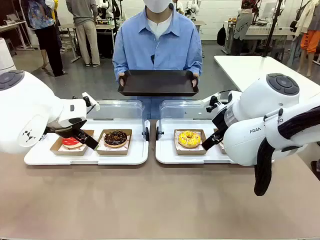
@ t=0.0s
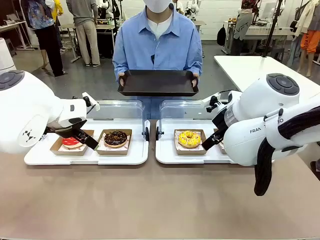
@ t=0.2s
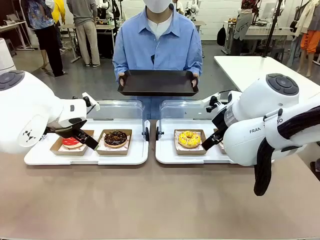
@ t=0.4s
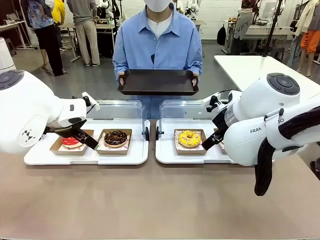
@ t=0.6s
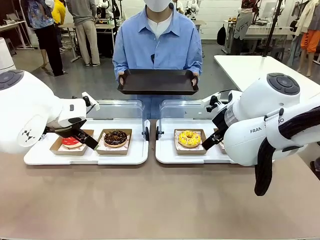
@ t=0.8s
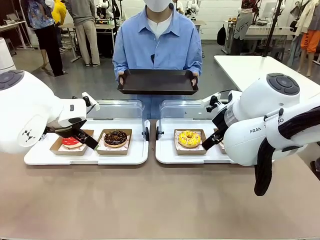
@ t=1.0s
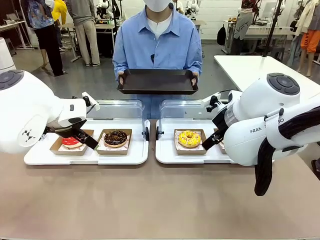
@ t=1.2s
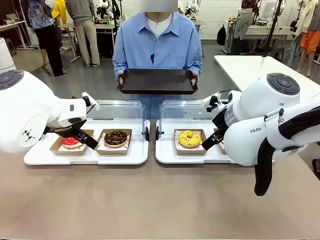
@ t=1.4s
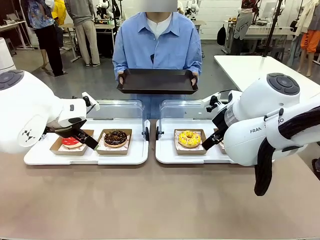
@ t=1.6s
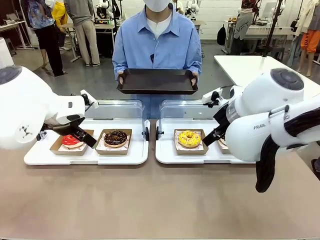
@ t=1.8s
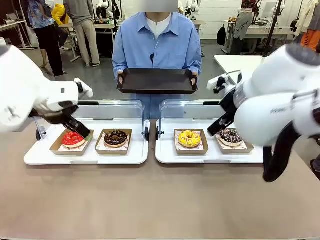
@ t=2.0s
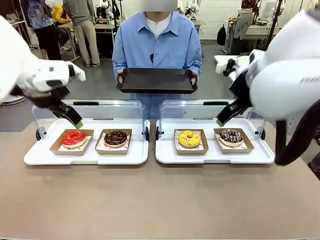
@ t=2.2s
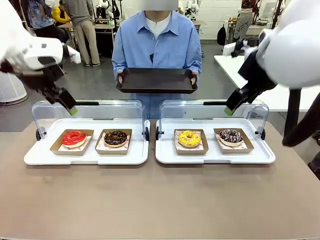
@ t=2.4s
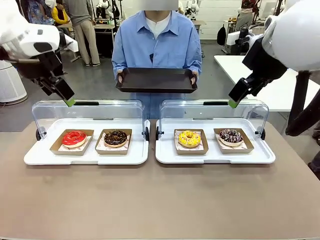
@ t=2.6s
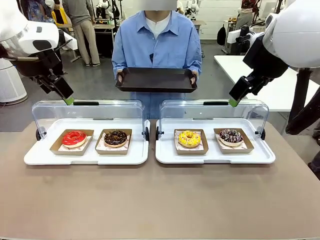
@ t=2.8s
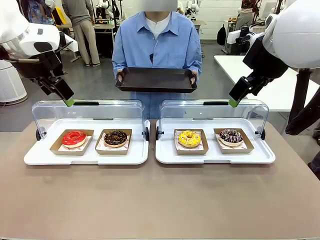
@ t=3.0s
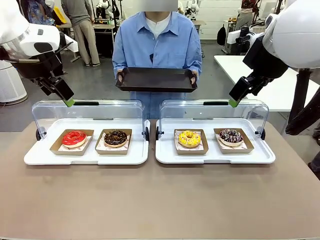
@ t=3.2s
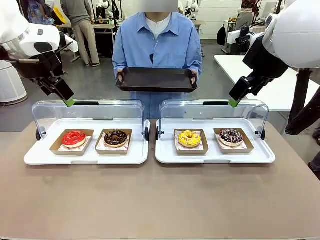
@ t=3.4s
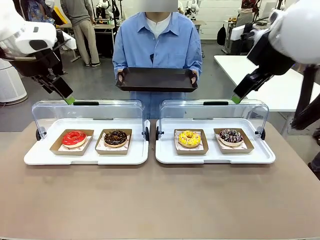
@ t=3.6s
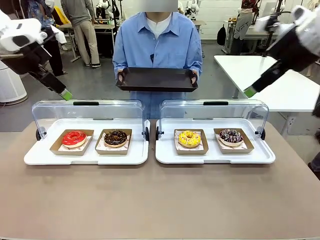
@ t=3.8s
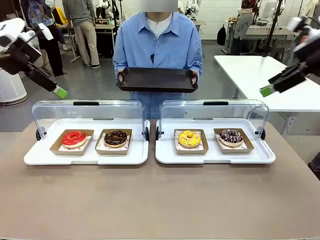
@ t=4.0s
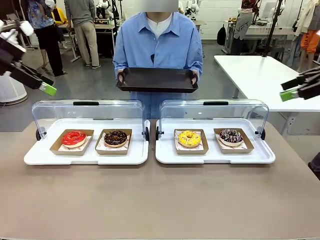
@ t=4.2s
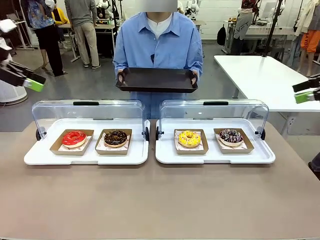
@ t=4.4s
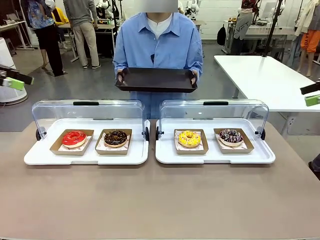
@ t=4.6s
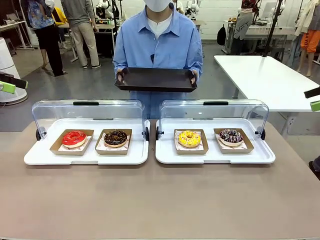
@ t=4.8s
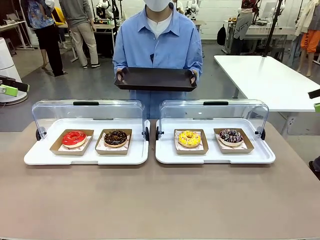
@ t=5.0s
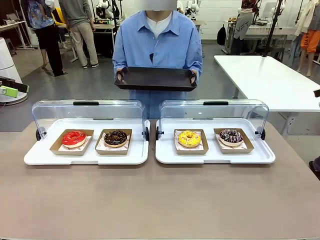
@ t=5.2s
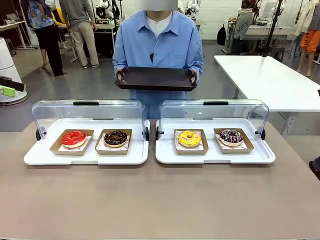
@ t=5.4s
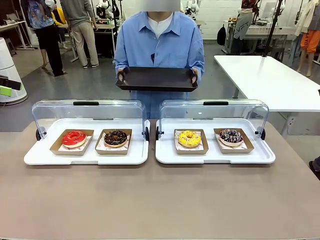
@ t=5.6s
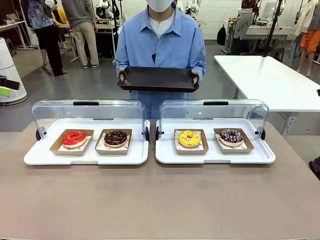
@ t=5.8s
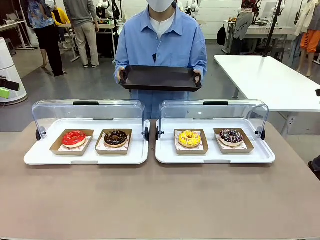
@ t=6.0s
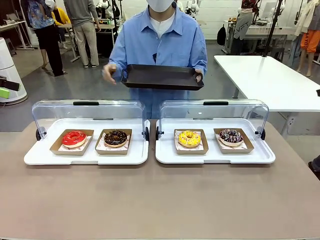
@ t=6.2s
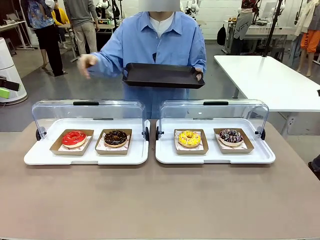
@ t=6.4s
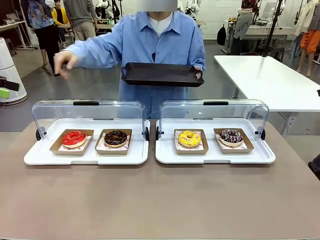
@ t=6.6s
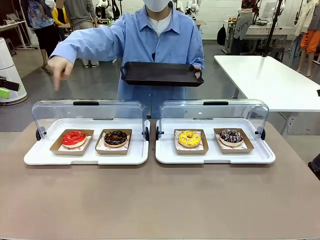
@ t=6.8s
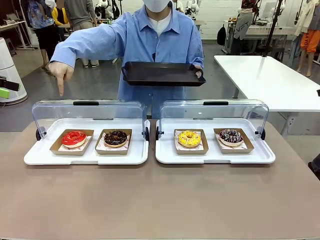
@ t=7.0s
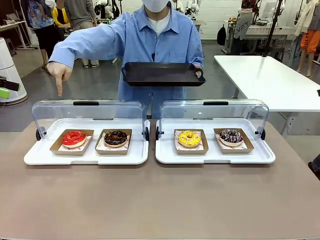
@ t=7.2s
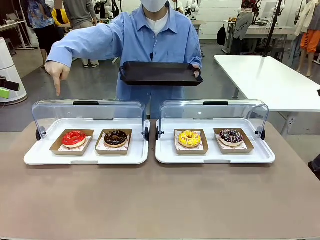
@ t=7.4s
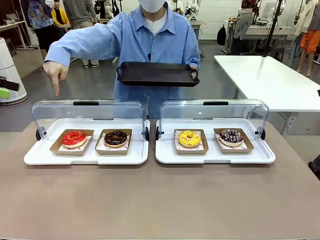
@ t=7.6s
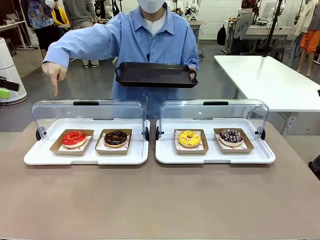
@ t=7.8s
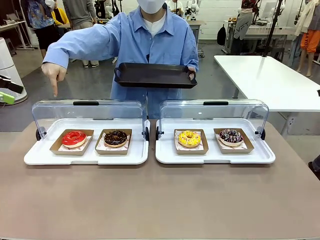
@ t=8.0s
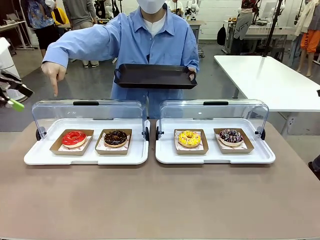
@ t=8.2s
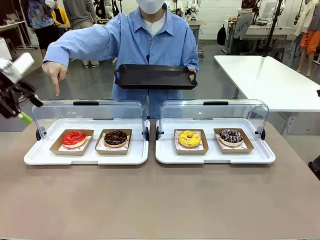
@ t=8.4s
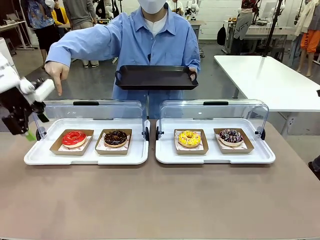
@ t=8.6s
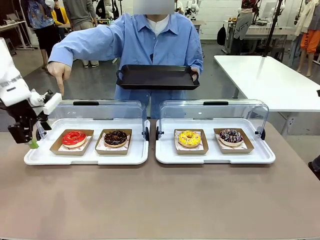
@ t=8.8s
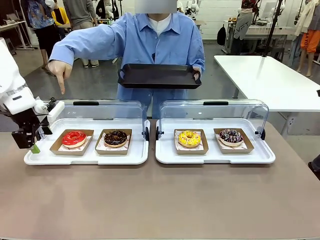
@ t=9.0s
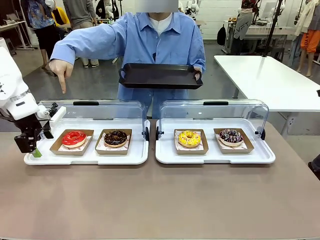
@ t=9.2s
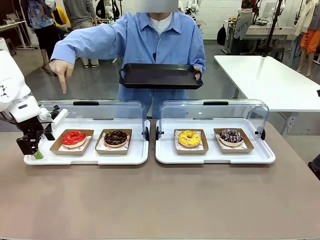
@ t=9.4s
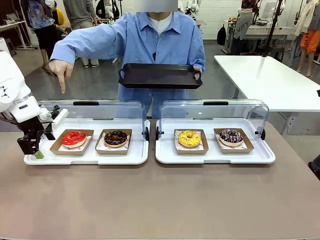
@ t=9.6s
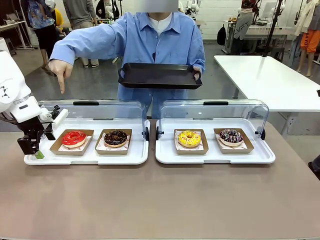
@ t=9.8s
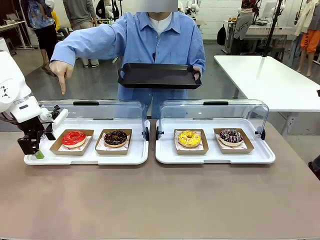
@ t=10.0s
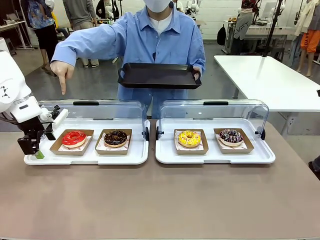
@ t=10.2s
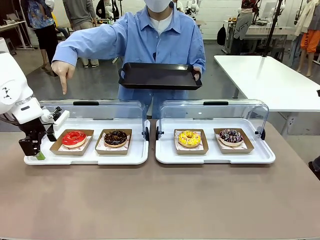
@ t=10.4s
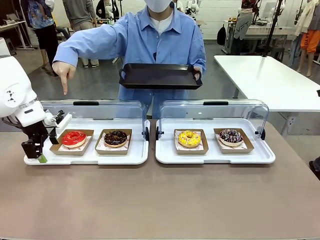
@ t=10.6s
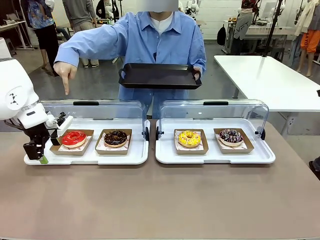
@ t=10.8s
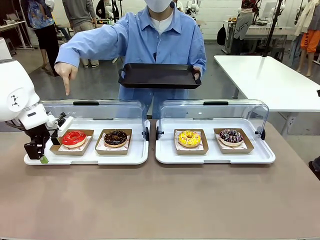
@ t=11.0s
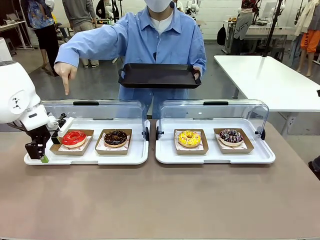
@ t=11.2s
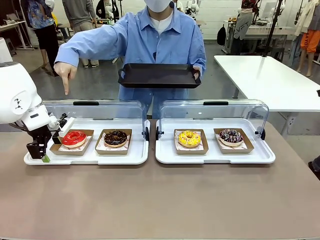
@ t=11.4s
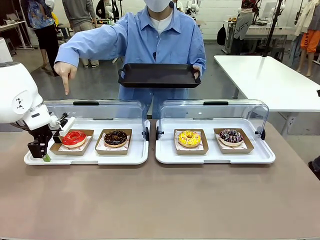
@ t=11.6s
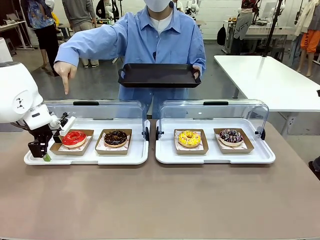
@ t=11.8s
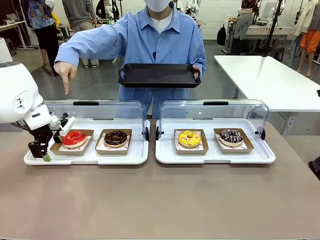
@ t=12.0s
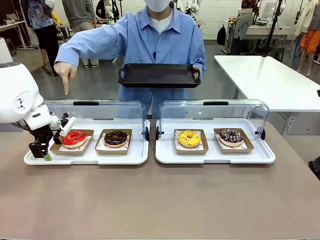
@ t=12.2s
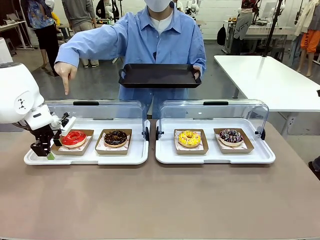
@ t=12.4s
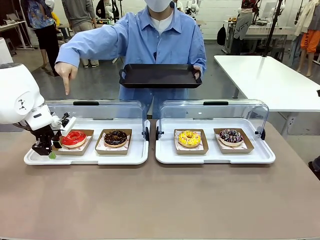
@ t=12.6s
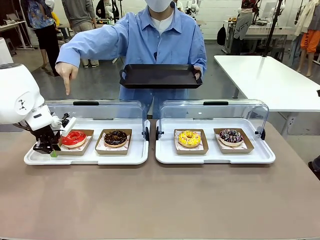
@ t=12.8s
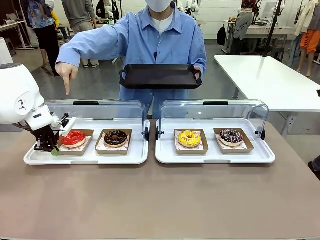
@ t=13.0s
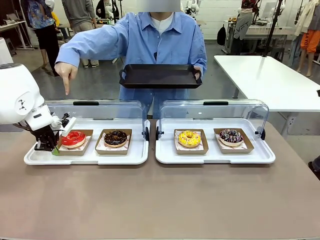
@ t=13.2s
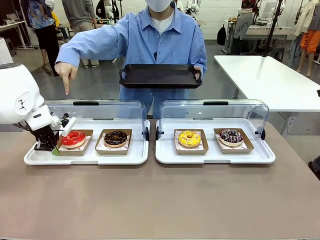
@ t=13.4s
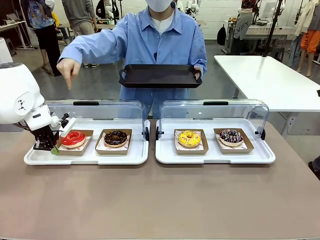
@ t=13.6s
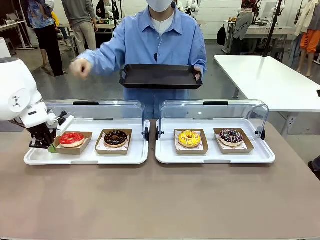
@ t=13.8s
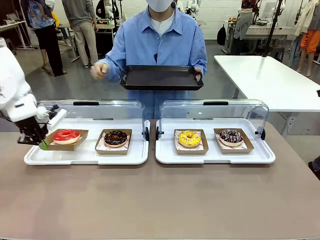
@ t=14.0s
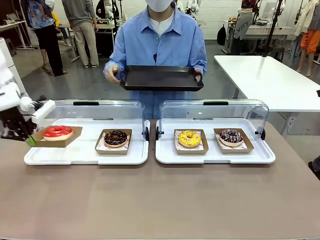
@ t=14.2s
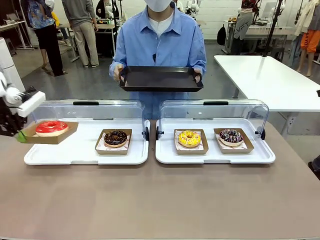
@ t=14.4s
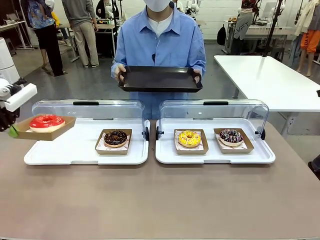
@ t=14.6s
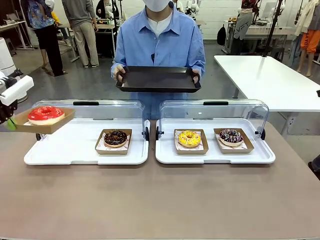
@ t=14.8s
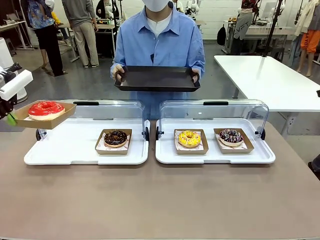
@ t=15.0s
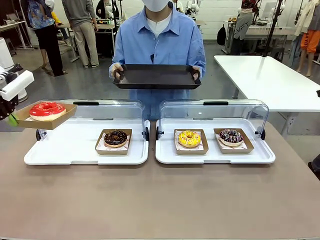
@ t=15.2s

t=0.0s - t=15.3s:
Task: Provide the desired donut to the person.
Robot: Pick up and lift the Paper togo box containing the Donut pointed at by the person.
Person: Point to one donut. Lift the tray onto the Roll-Top Bakery Case.

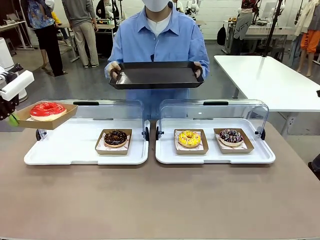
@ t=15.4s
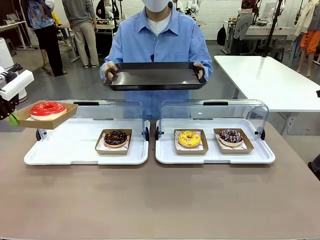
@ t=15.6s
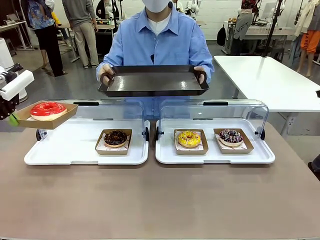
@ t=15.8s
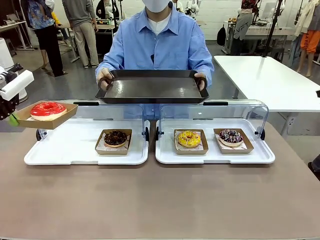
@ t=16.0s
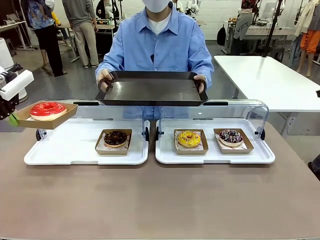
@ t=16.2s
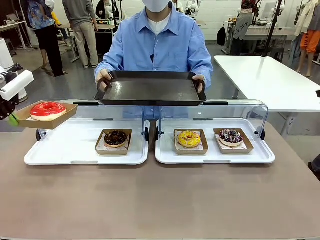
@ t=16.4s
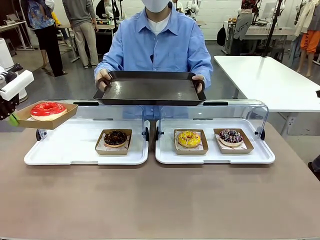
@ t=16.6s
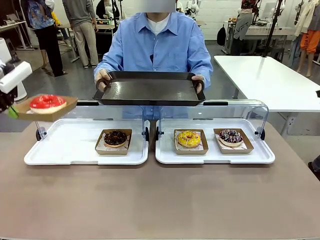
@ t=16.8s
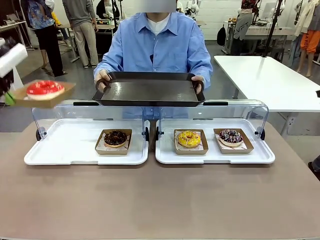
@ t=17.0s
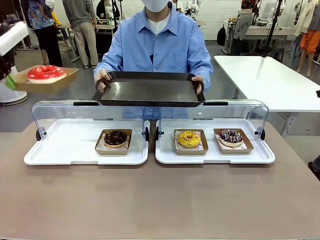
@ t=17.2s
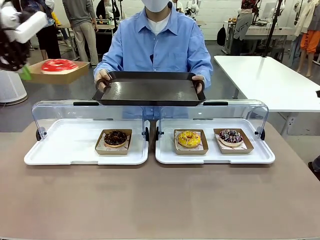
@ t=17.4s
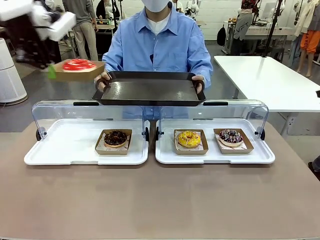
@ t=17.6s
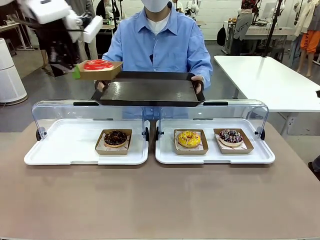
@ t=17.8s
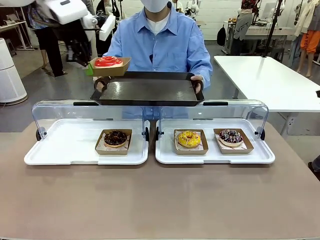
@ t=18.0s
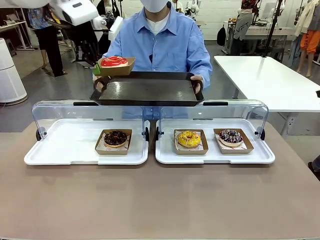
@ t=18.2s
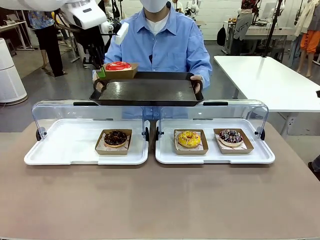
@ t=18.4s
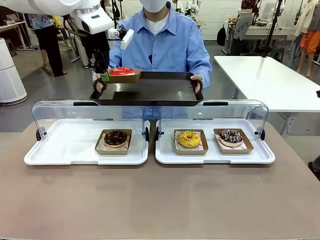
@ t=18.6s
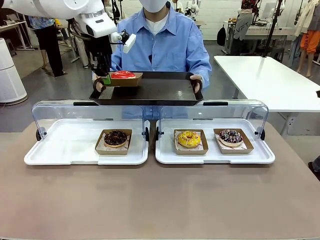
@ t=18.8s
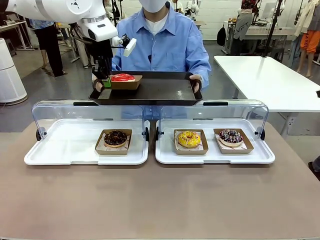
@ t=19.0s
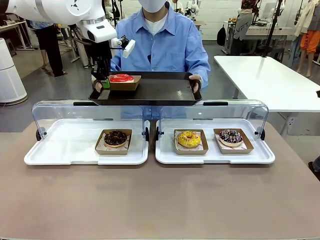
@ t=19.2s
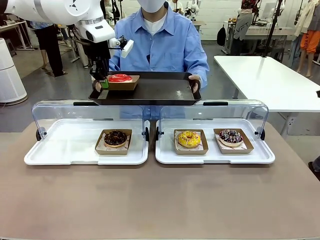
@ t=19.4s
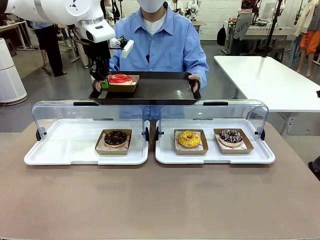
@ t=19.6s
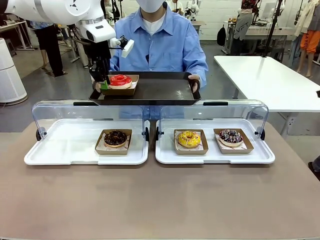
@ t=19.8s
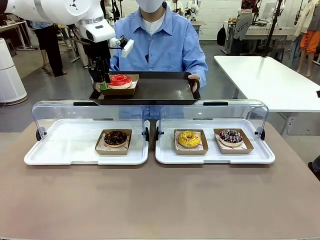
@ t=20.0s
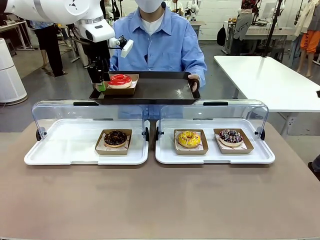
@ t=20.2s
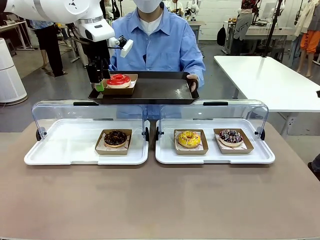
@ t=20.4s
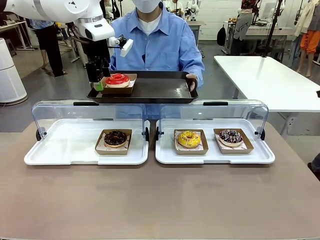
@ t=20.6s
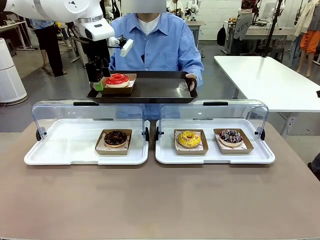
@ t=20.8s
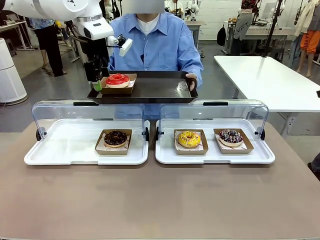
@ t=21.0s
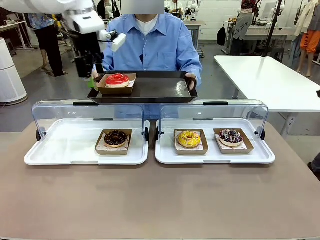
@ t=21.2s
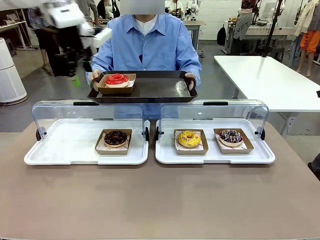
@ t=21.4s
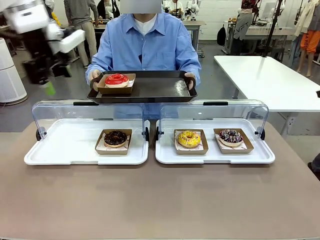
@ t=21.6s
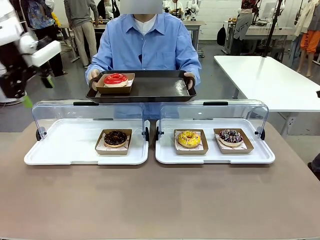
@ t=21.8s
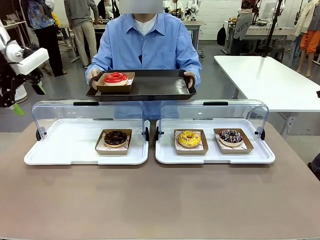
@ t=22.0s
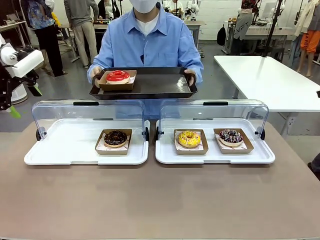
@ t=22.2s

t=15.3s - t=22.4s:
Robot: Place the picked Paper togo box onto the Handle tray extended by the person.
